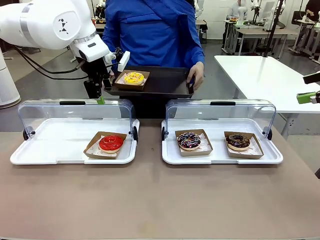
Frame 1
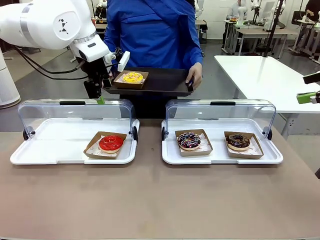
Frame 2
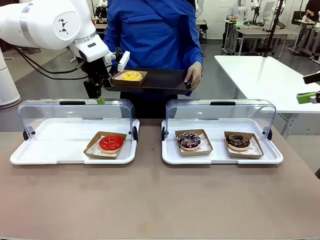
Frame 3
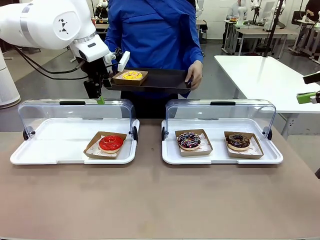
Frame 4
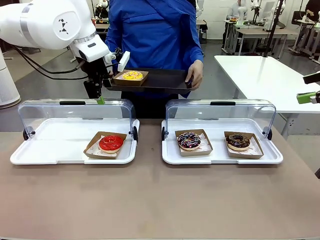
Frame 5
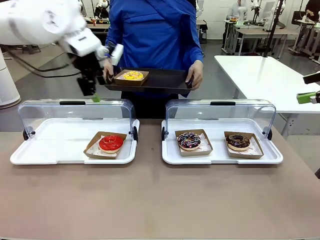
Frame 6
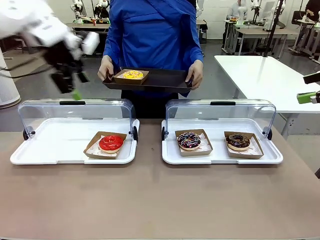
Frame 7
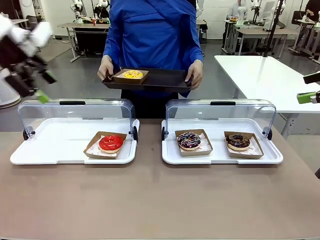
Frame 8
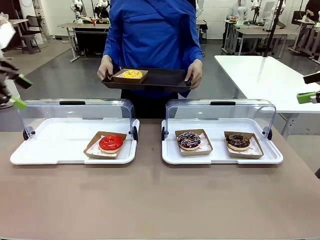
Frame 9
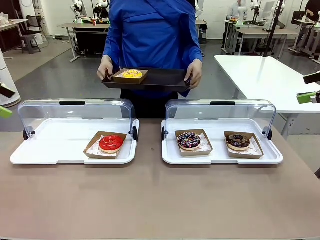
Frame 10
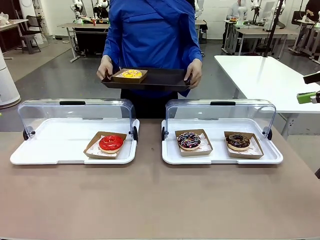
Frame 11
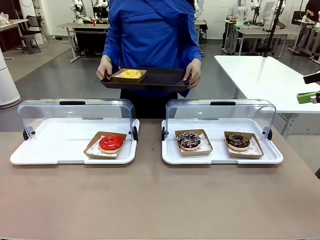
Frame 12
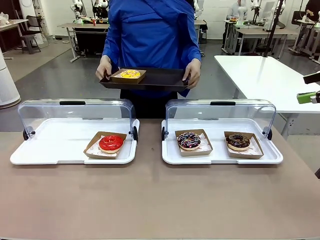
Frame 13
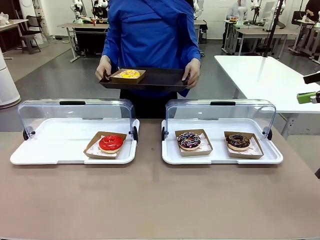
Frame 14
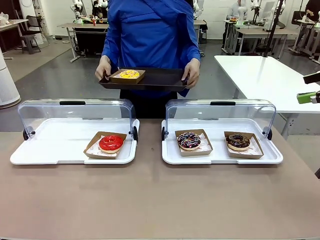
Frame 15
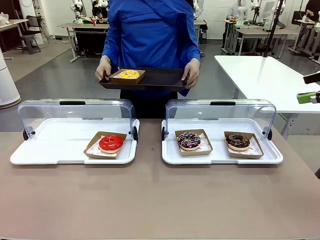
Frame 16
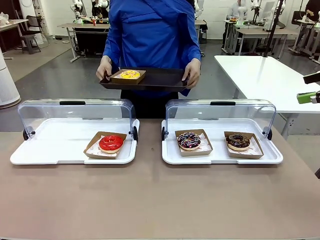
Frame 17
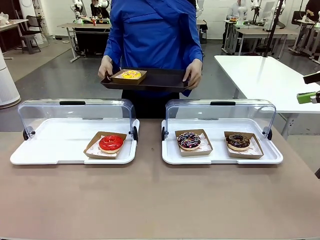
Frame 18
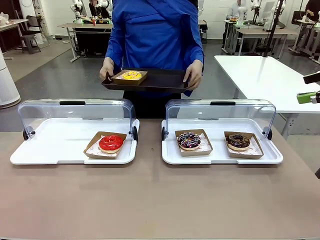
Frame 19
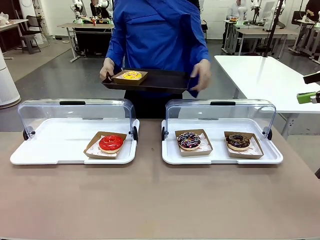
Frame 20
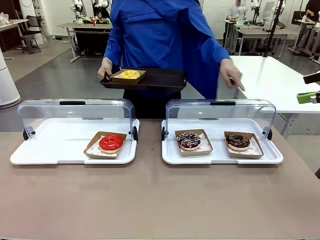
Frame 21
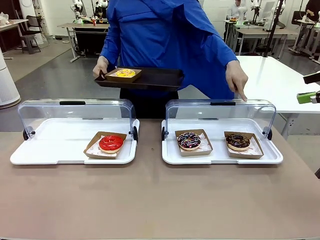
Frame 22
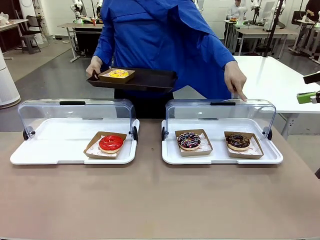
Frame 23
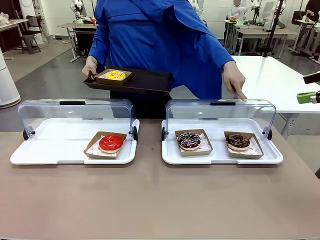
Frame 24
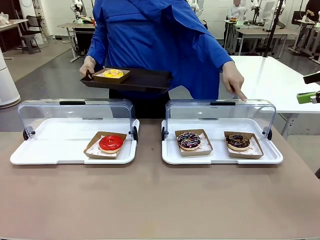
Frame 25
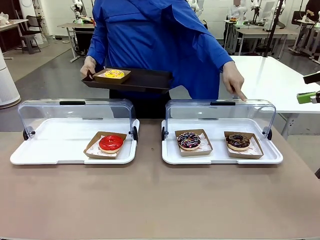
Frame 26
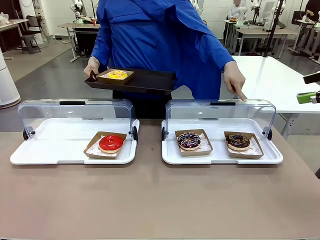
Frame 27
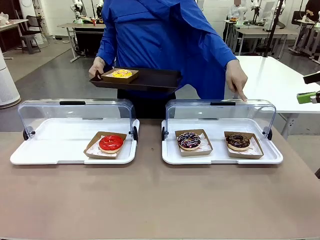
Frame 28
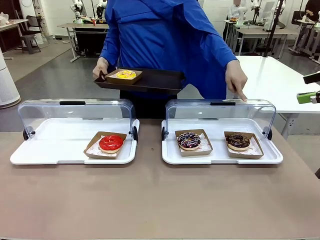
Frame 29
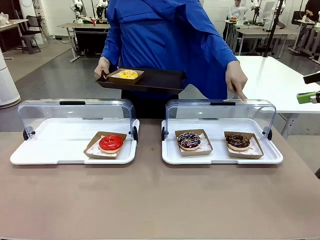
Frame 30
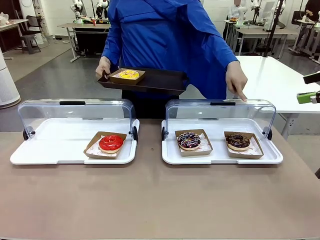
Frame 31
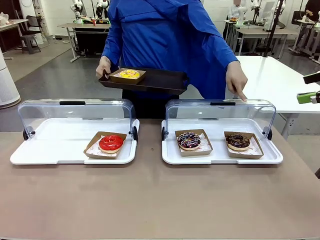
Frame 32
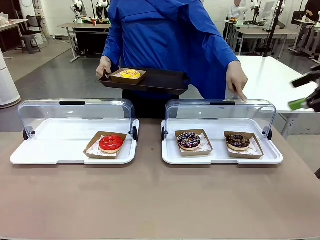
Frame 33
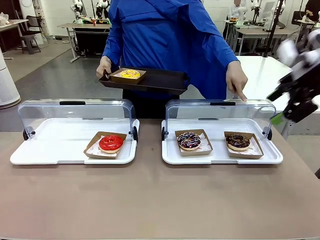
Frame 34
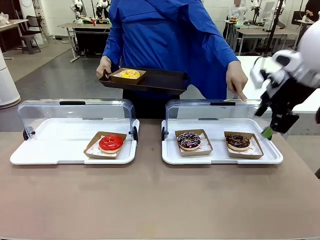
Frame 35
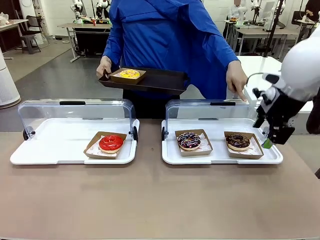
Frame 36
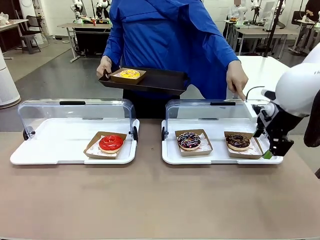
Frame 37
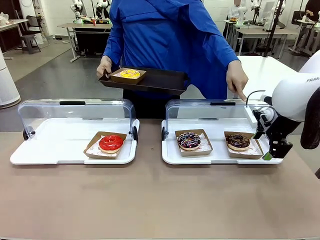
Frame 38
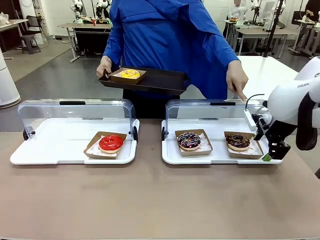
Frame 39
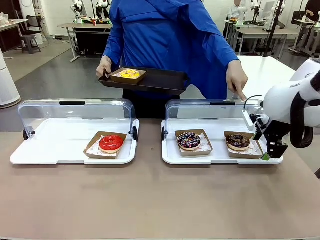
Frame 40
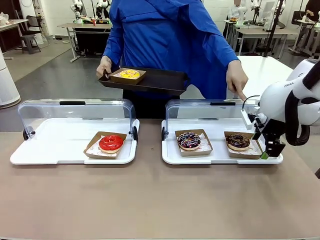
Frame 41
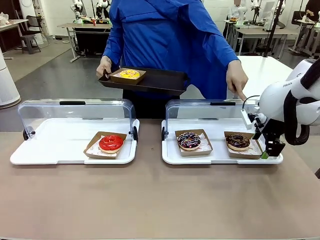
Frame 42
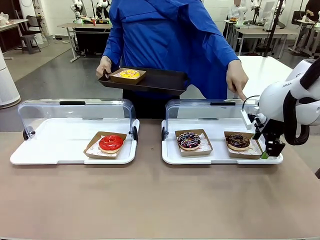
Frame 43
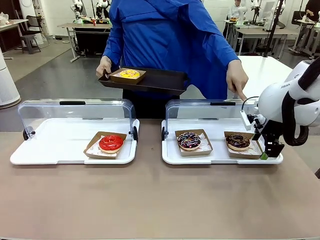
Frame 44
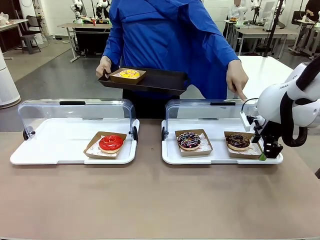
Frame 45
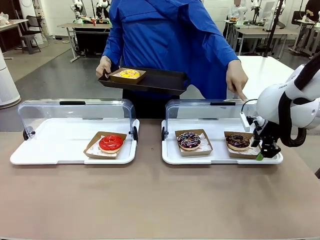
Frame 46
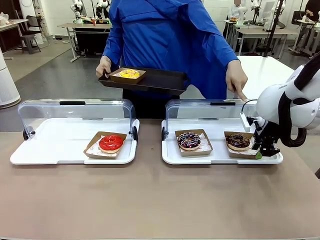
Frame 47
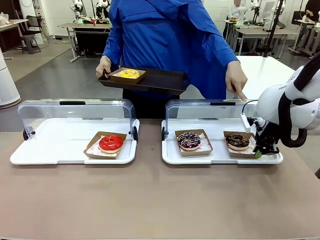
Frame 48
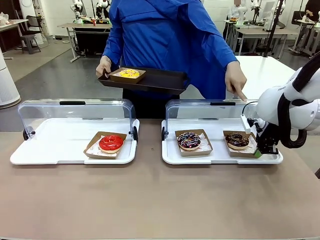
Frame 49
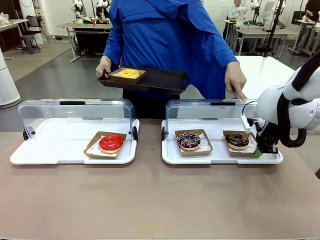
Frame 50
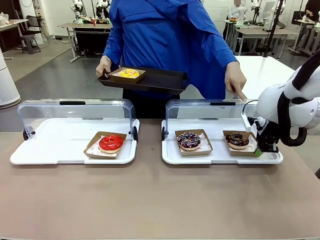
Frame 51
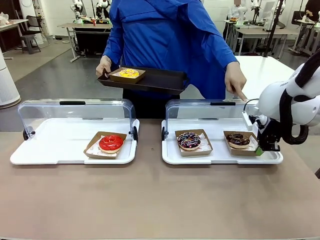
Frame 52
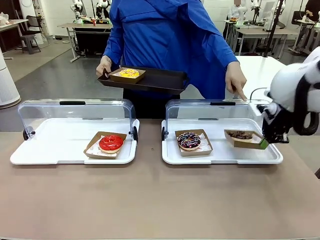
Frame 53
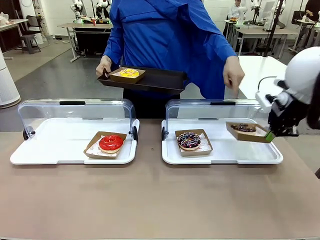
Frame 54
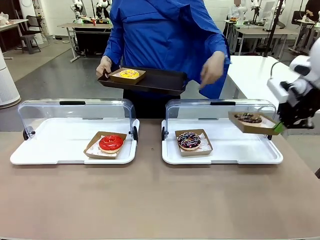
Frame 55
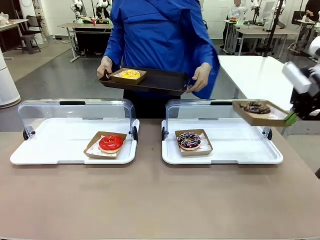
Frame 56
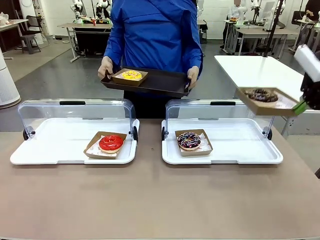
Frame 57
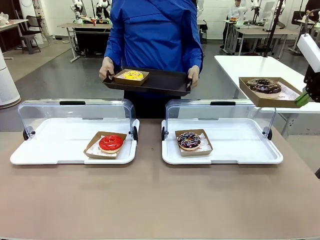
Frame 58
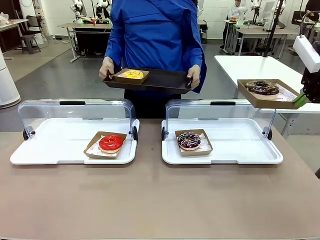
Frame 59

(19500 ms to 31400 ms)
Task: Provide the desired donut to the person.
Robot: Pick up and lift the Paper togo box containing the Donut pointed at by the person.
Person: Point to one donut. Lift the tray onto the Roll-Top Bakery Case.

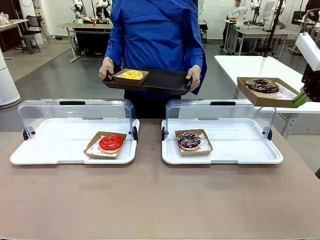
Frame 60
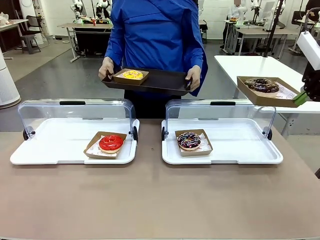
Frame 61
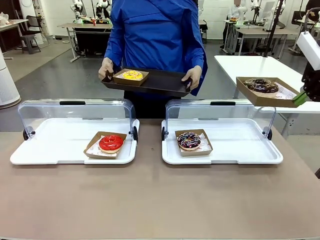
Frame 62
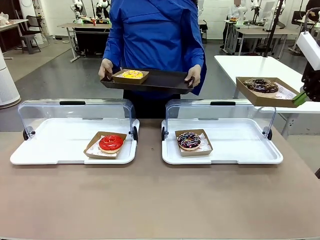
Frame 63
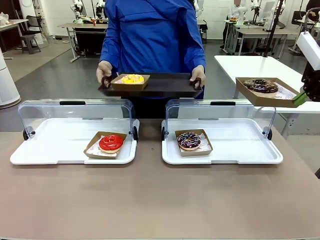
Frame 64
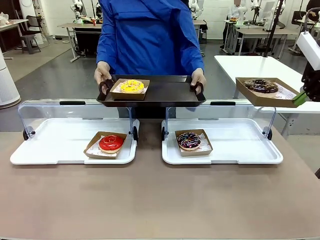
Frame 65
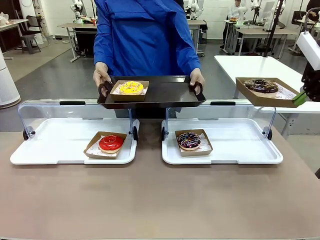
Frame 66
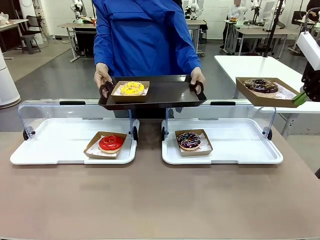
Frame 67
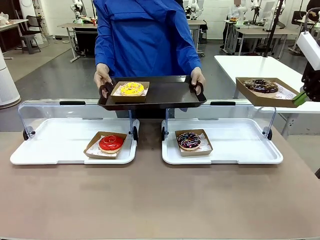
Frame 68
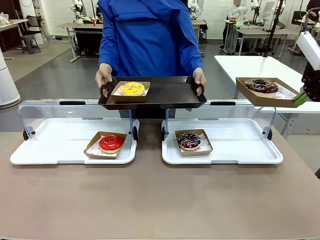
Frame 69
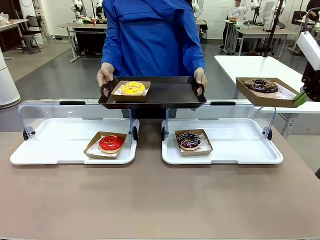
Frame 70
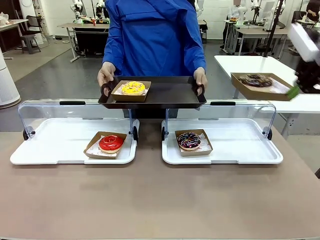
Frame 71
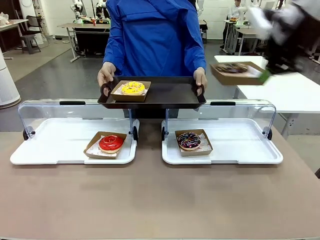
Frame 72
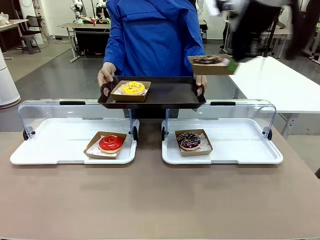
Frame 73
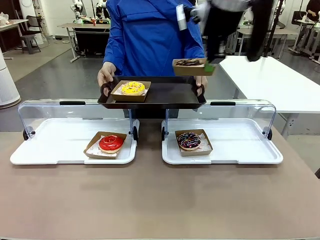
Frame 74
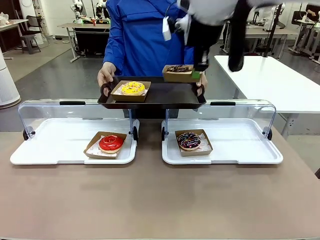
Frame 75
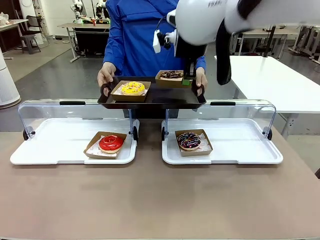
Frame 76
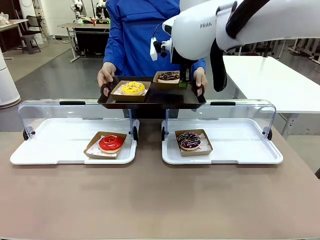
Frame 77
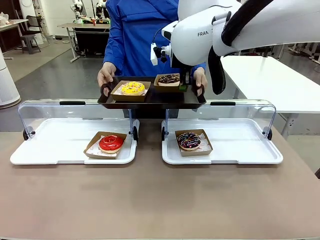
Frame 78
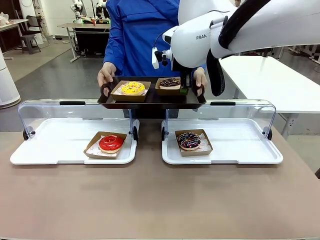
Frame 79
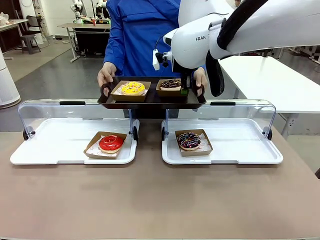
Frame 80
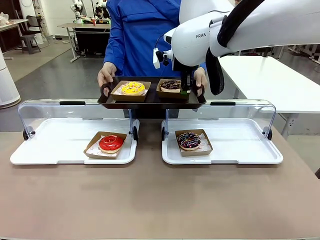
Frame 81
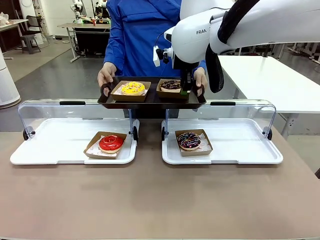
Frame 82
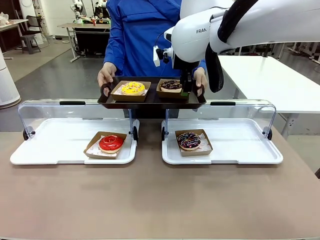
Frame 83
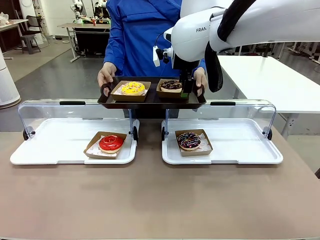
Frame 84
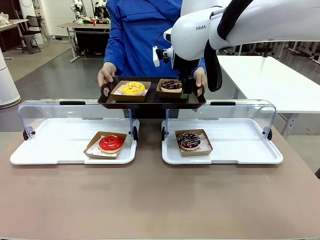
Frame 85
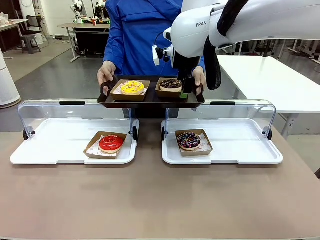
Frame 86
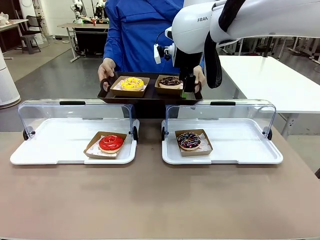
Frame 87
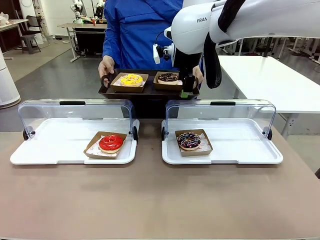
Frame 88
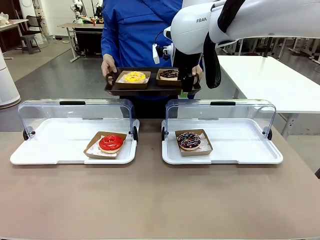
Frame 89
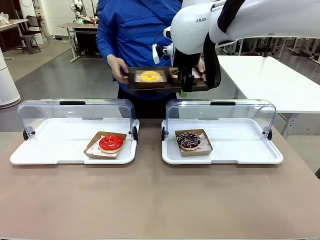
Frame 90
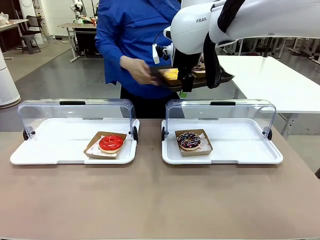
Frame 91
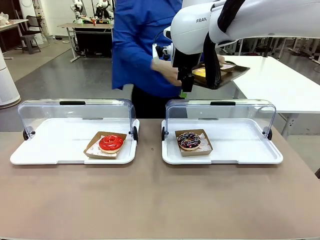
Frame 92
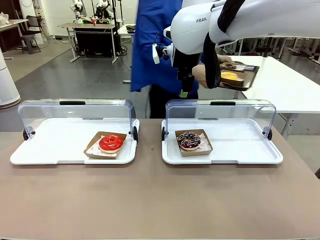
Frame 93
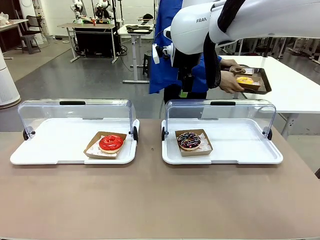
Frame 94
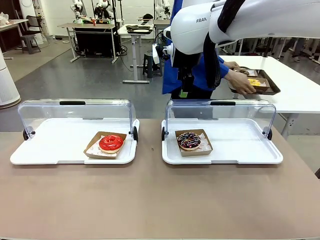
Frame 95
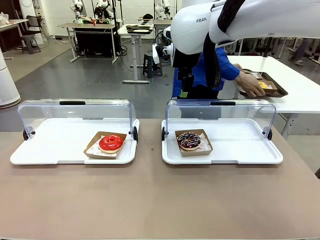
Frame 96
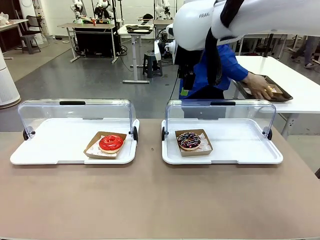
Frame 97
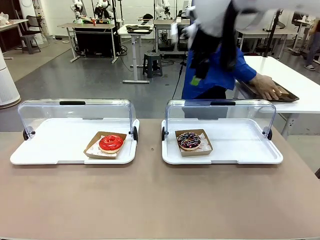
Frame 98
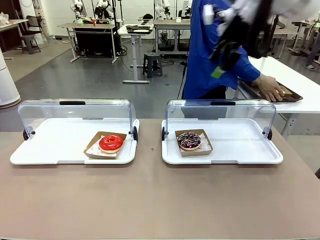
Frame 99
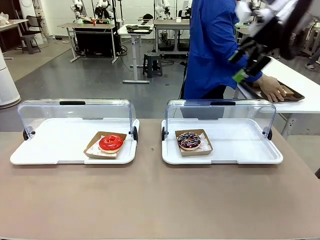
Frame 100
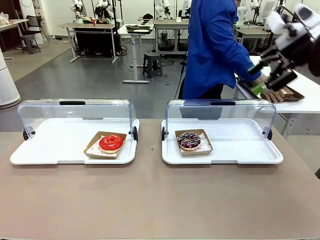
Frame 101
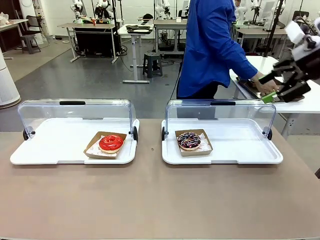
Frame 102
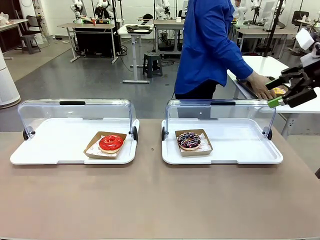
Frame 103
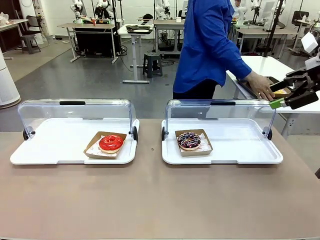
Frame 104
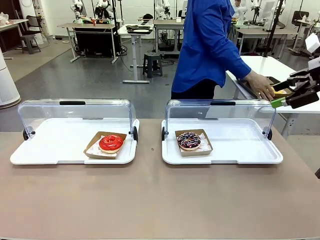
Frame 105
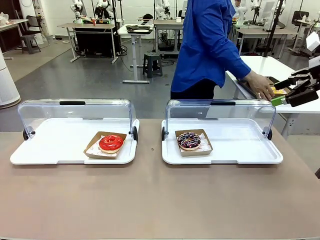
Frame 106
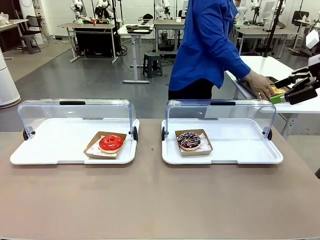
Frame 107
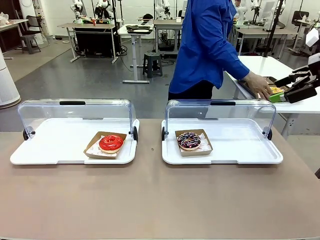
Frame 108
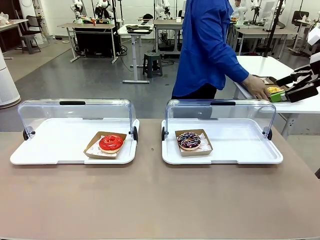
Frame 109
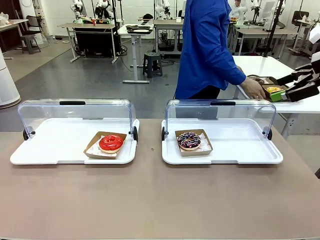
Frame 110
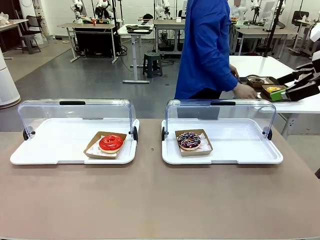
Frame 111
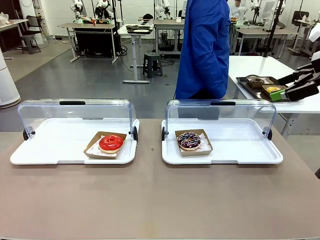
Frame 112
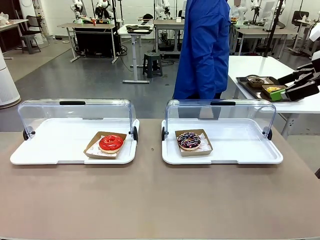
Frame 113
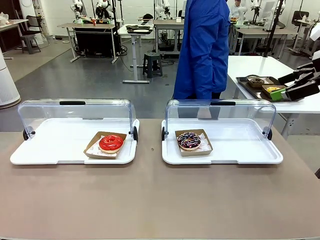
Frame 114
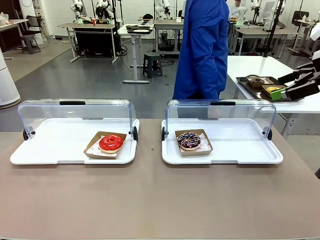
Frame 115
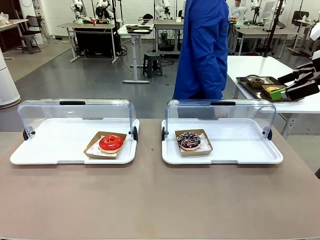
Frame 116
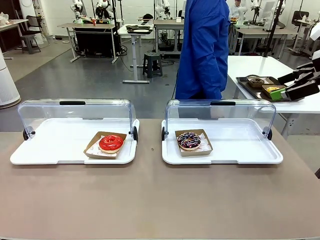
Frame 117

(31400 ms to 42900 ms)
Robot: Place the picked Paper togo box onto the Handle tray extended by the person.
Person: Place the tray in the middle of the human table.
